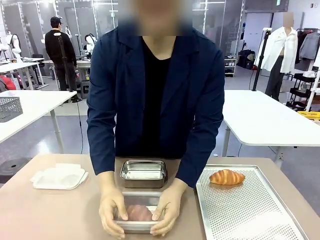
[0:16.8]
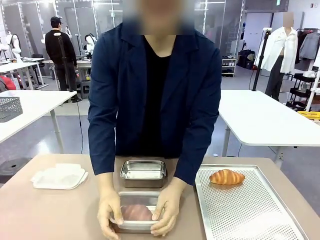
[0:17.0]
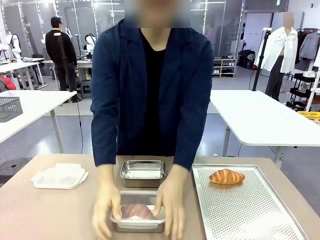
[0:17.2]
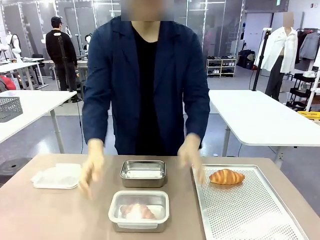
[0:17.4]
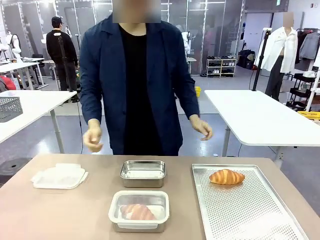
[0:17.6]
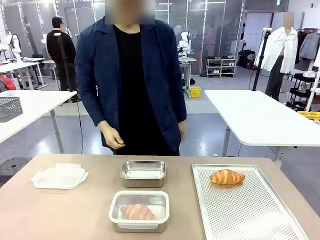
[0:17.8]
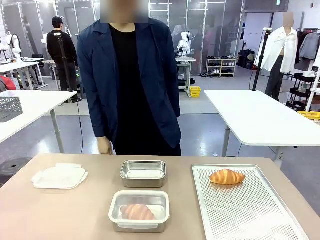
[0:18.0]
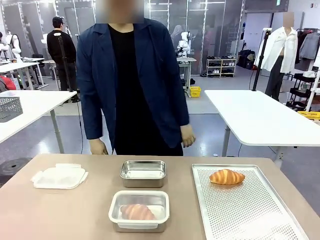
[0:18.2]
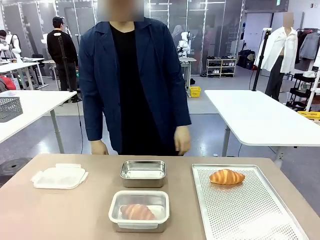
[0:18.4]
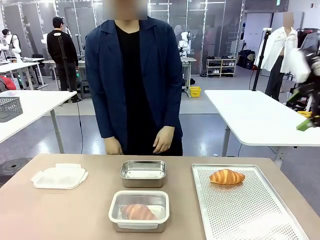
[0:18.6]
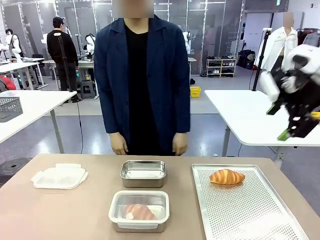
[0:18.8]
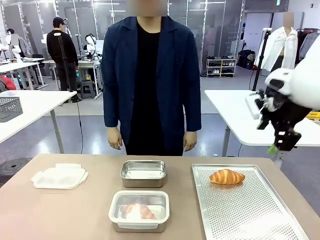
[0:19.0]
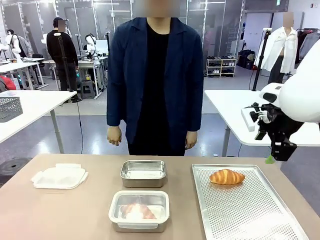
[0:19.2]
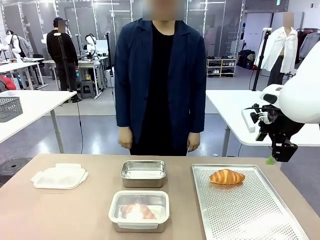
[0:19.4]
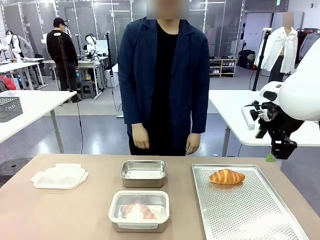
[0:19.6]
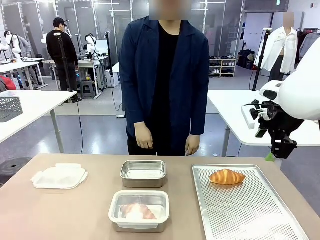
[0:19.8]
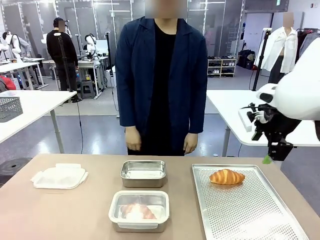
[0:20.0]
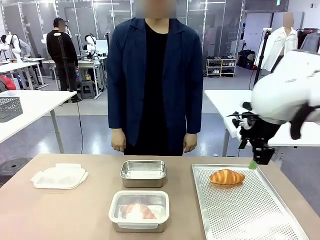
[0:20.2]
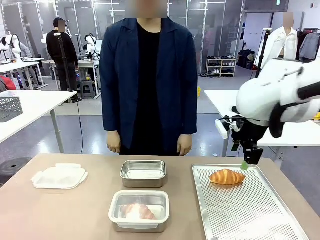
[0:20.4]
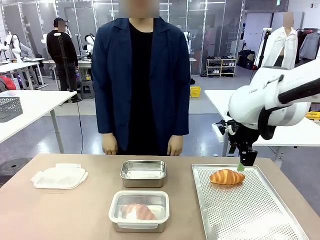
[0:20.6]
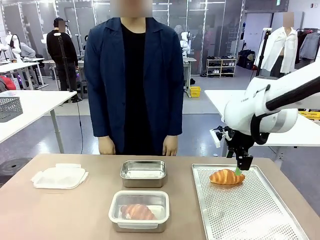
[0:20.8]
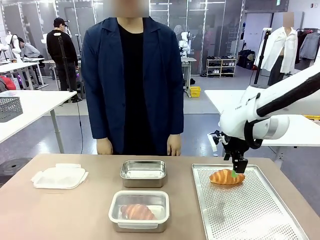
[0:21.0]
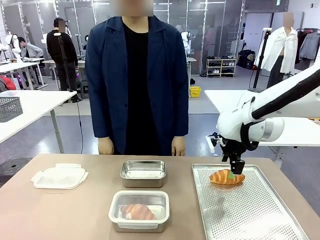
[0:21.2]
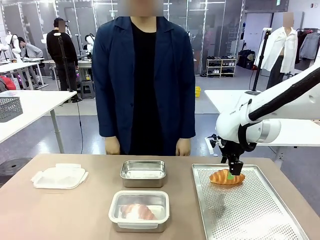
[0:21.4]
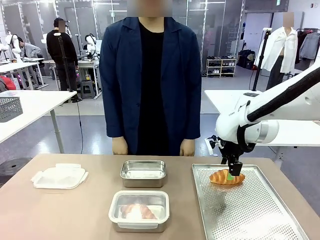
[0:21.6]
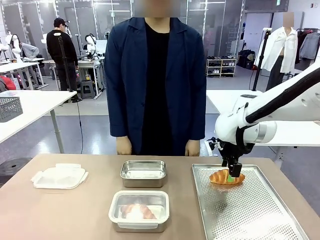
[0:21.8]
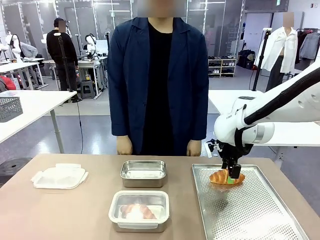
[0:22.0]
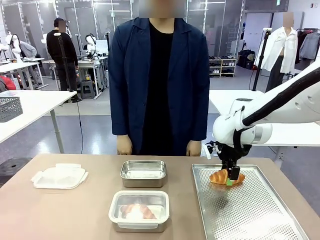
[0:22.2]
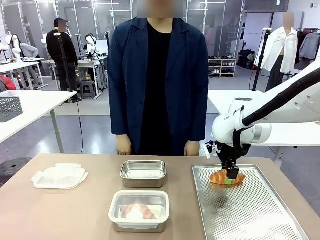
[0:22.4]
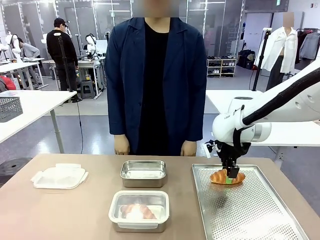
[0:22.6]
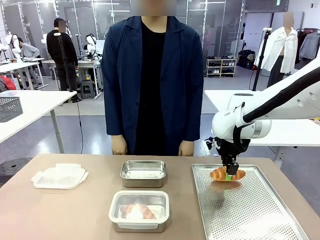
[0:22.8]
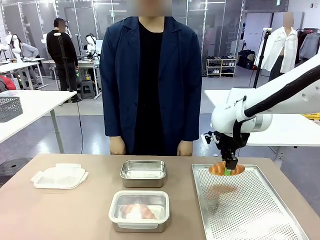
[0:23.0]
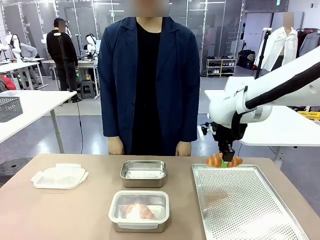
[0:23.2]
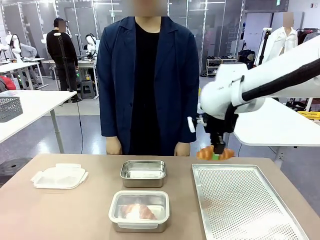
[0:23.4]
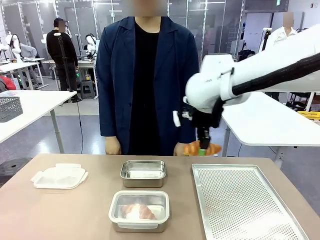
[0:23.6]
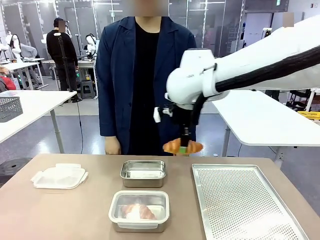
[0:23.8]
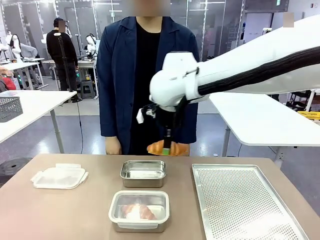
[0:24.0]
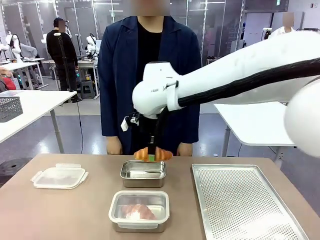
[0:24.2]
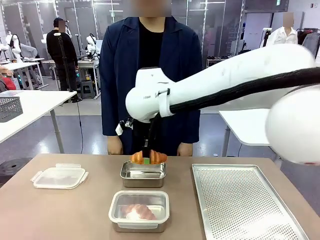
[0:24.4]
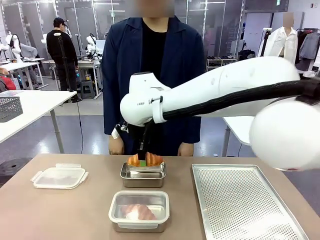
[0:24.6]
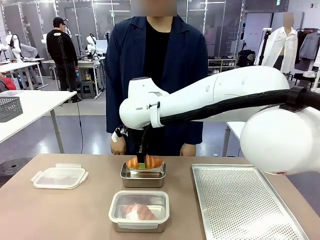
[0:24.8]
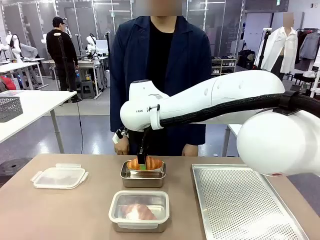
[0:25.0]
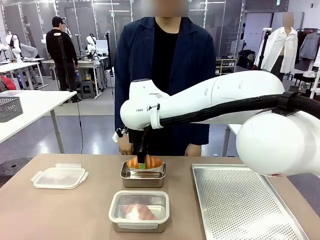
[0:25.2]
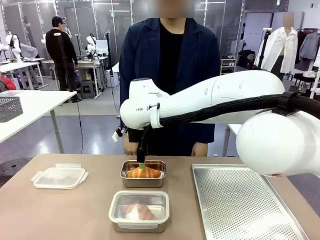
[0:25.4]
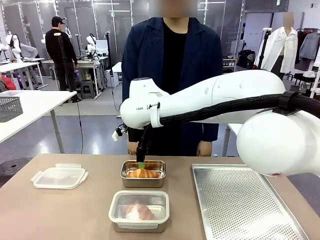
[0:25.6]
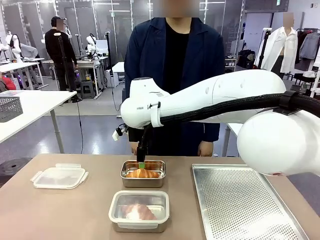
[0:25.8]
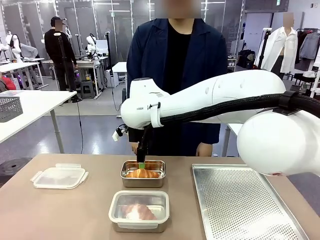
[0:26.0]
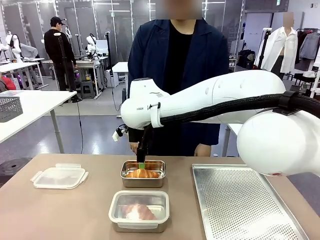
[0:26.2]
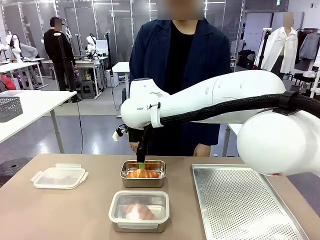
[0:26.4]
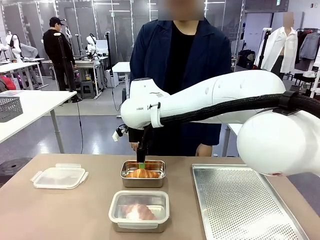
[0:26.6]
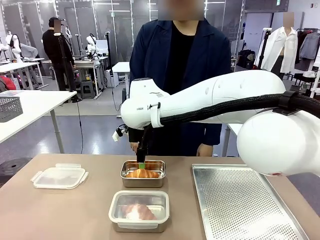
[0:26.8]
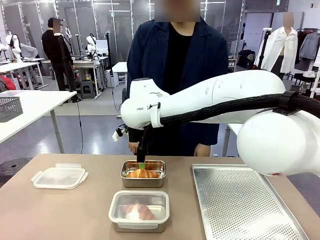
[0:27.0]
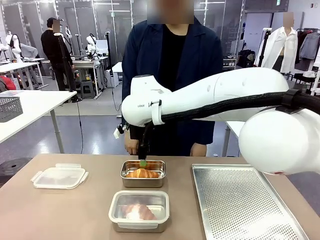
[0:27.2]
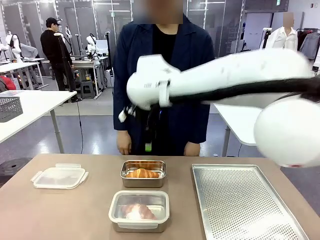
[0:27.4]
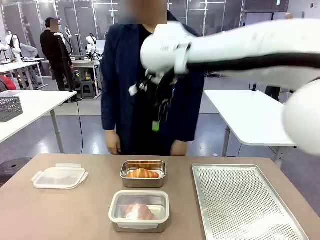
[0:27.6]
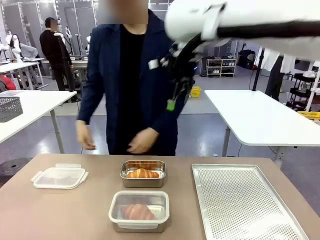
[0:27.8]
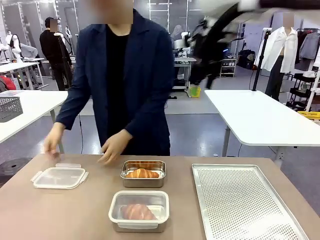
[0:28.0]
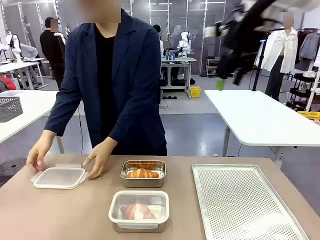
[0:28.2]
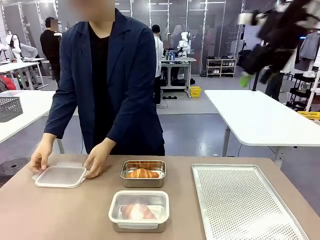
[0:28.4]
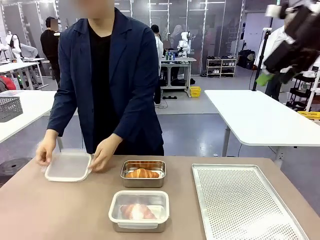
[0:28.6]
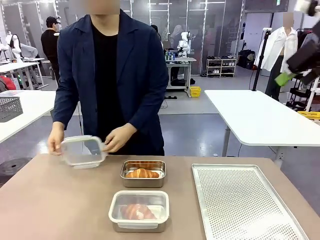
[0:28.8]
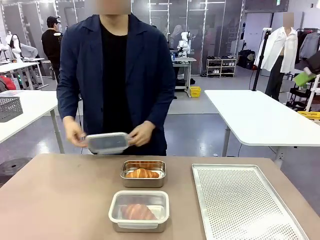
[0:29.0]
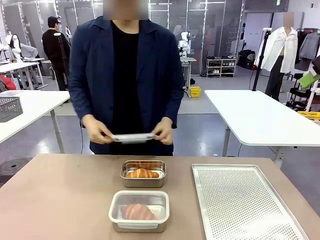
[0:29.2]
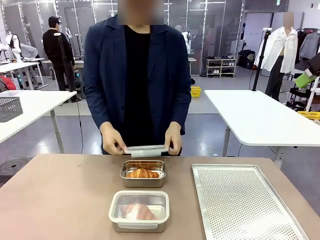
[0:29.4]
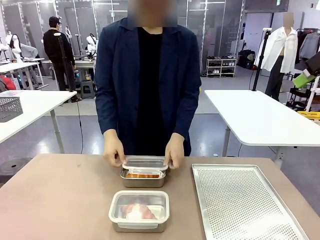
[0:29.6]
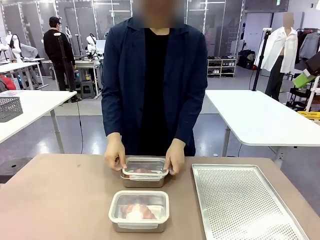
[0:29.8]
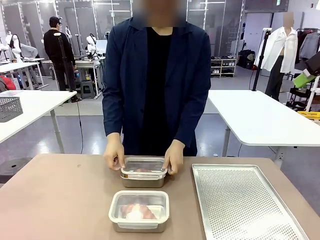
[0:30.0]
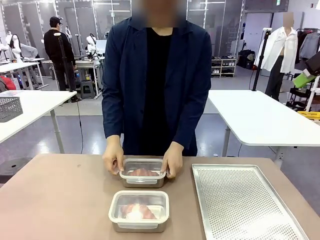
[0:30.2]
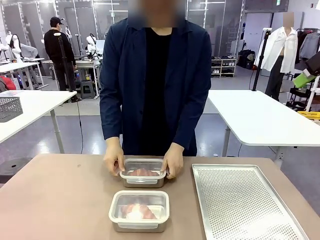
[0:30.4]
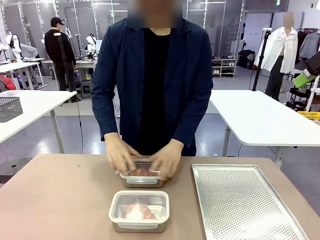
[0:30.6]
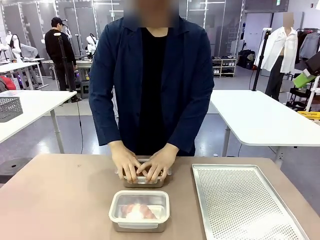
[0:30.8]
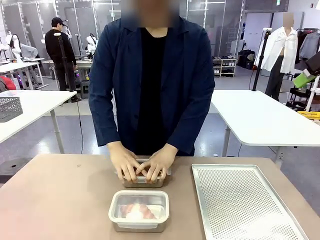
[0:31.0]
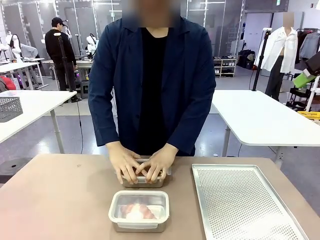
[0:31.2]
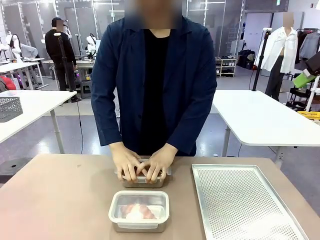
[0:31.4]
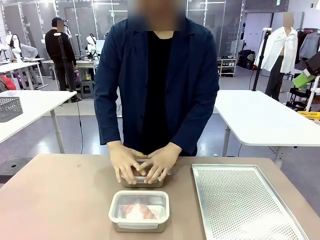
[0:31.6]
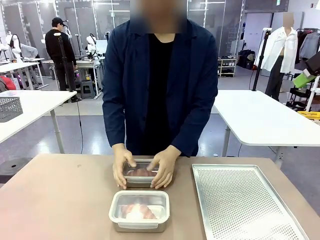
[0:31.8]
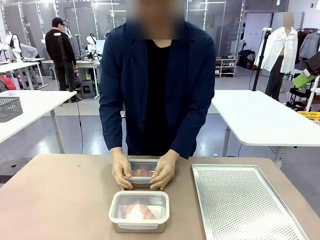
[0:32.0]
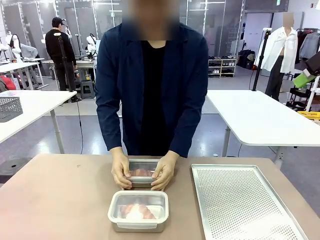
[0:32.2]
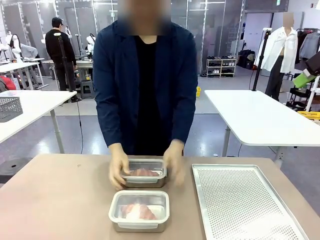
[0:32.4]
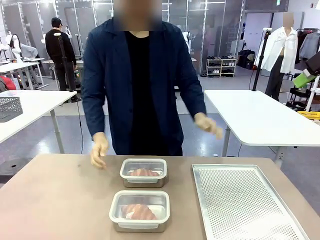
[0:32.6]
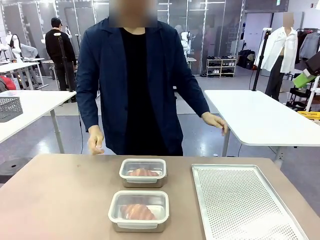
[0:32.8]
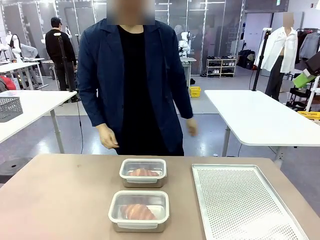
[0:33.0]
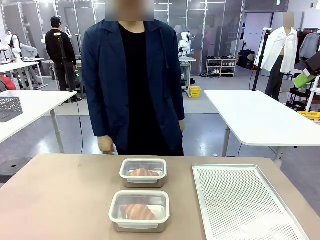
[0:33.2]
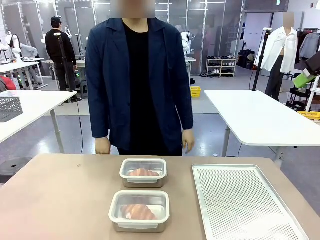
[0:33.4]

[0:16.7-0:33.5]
Task: Place the bread into the airtight container.
Robot: Pick up a Butter Roll and place it into an empty Airtight Container.
Person: Once a Butter Roll is inside an Airtight Container , close the lid of that Airtight Container.
